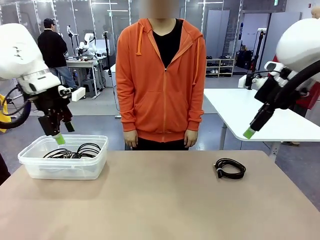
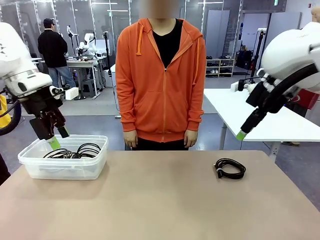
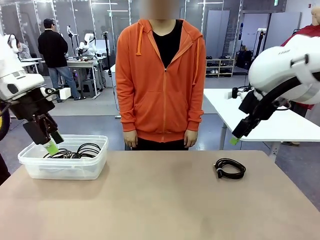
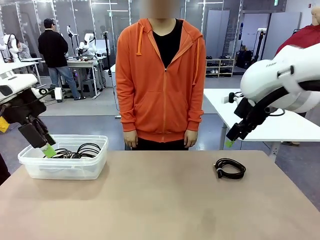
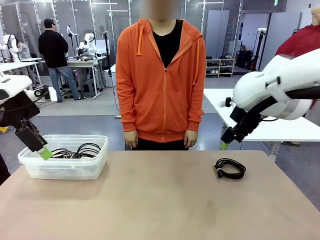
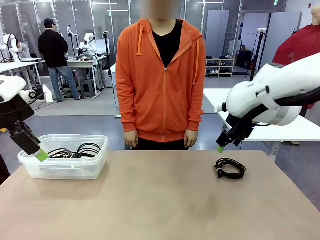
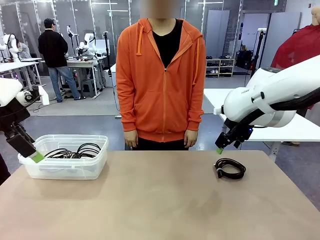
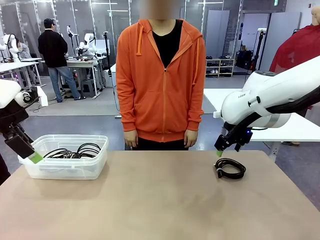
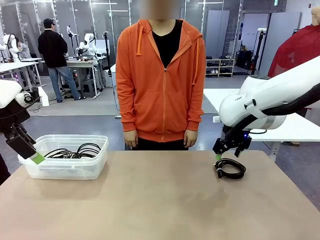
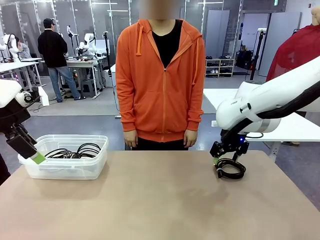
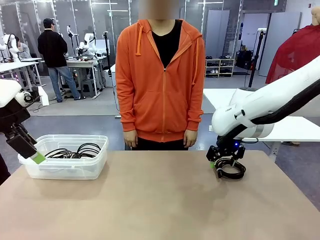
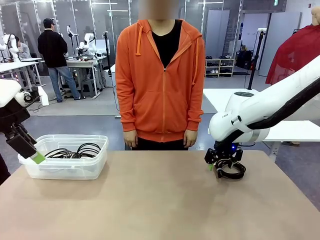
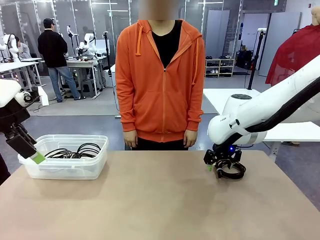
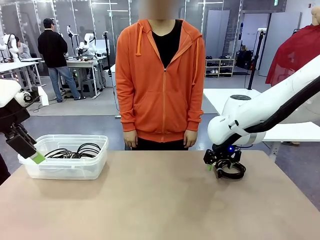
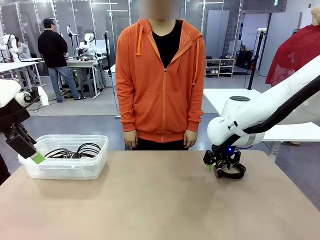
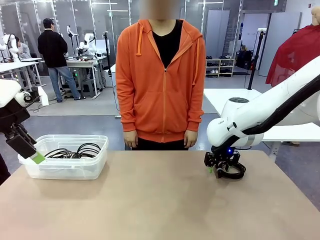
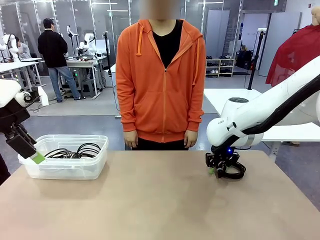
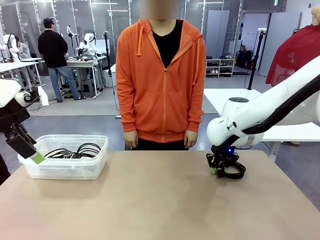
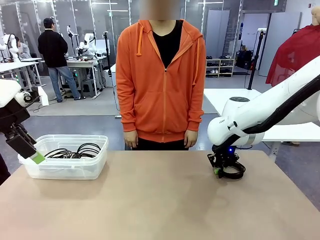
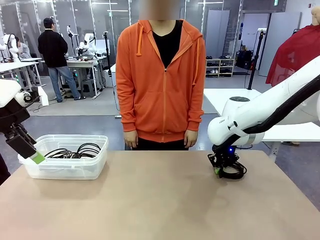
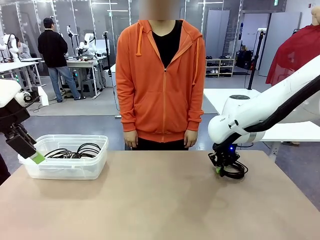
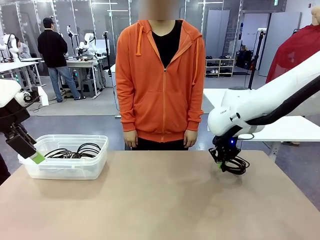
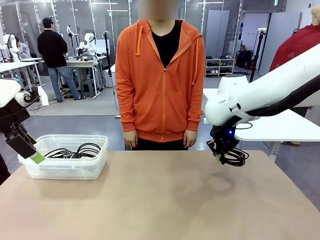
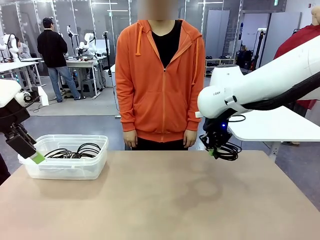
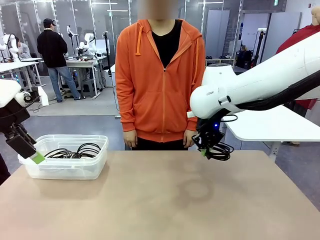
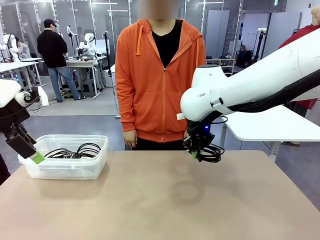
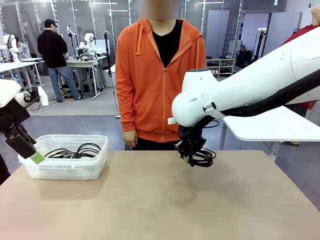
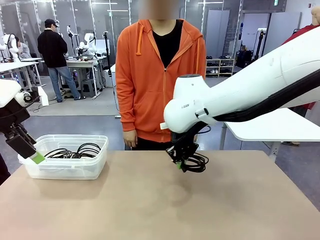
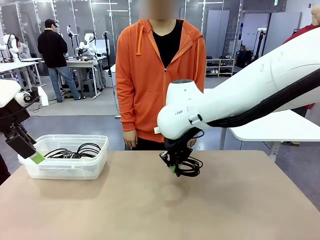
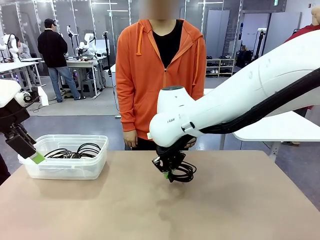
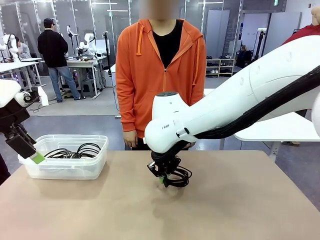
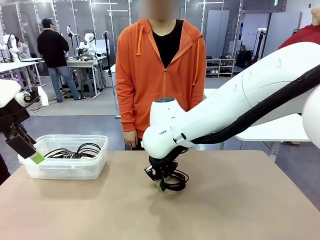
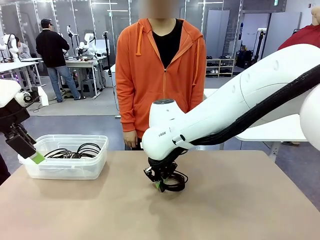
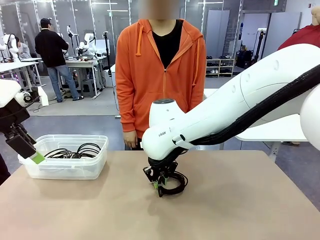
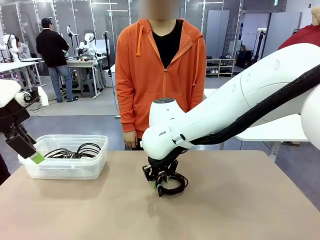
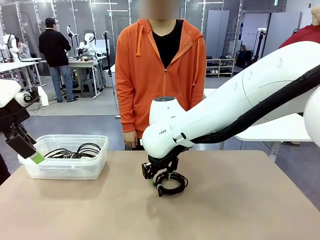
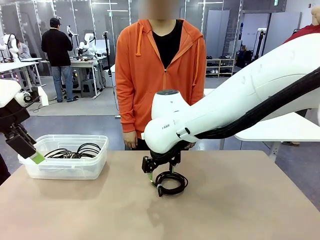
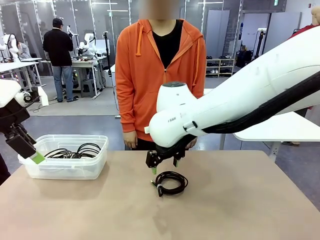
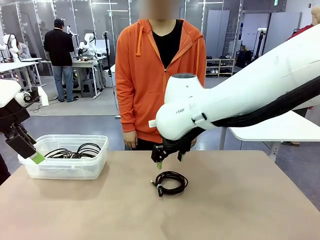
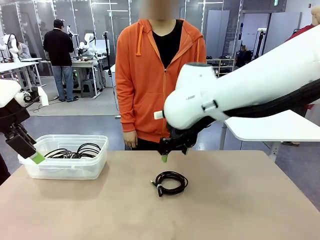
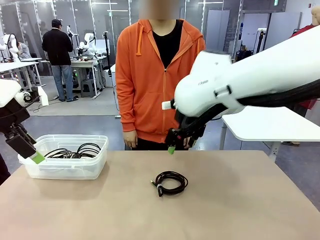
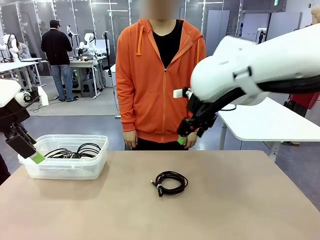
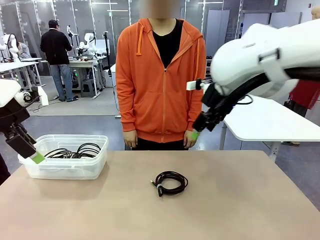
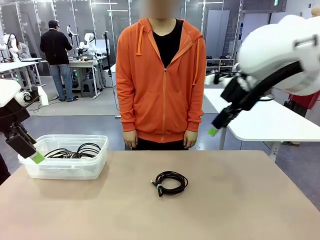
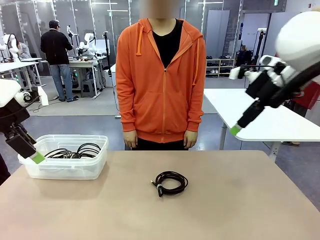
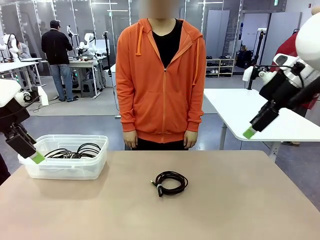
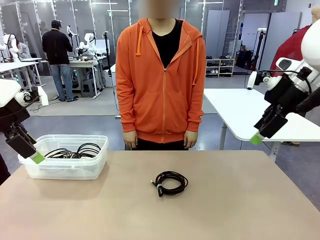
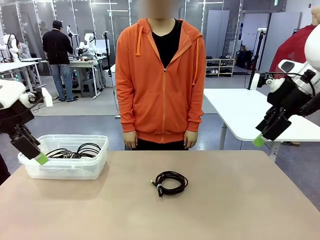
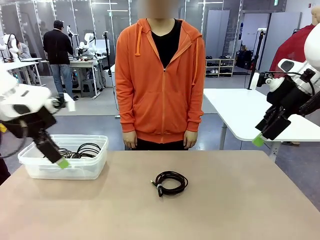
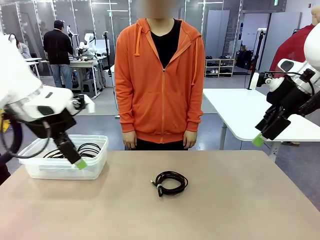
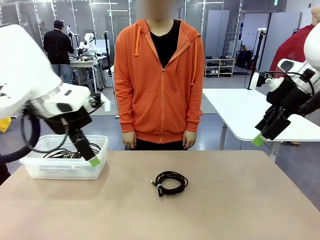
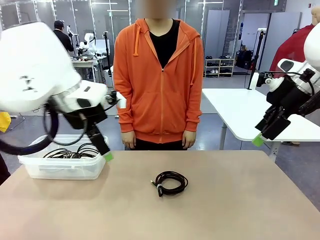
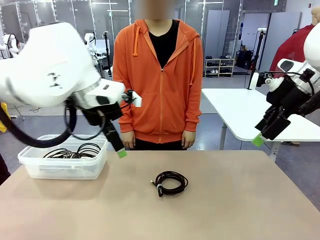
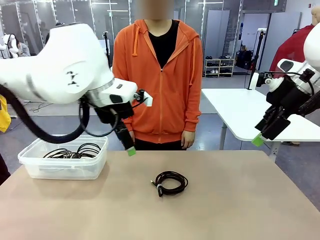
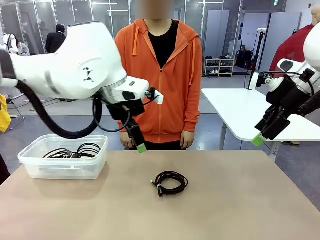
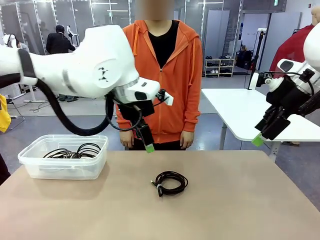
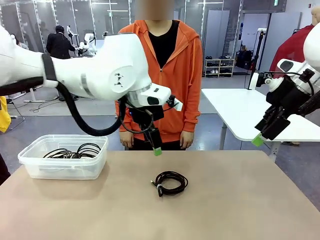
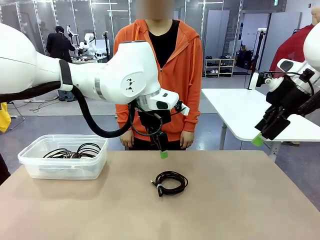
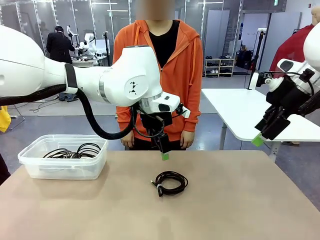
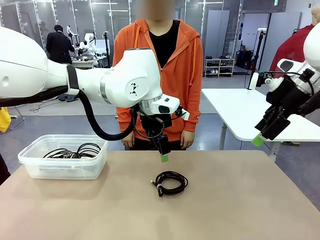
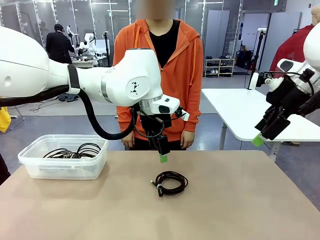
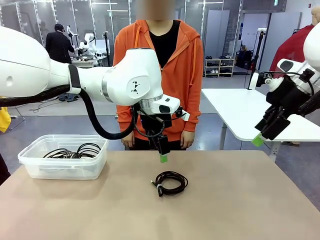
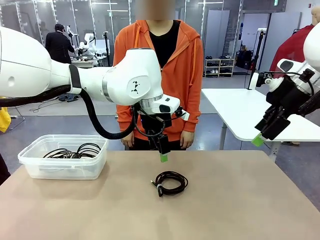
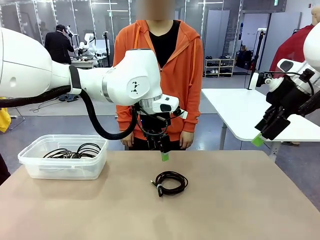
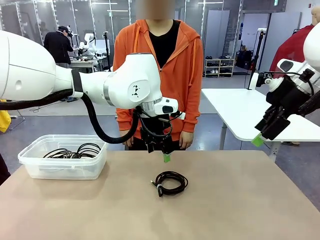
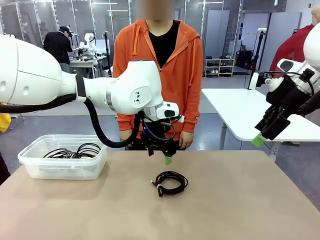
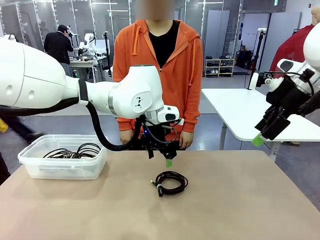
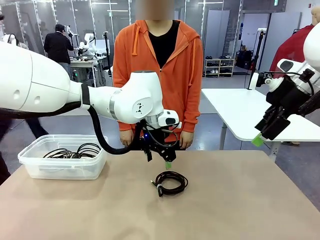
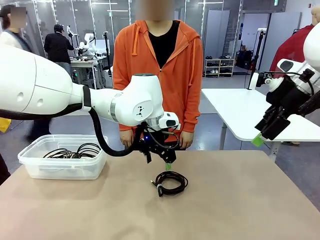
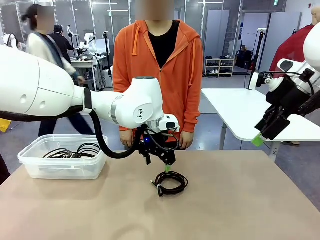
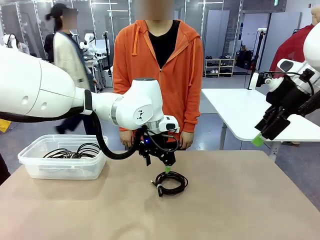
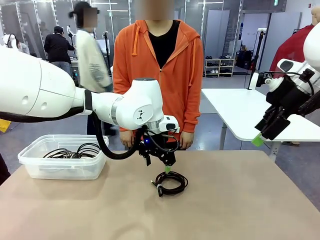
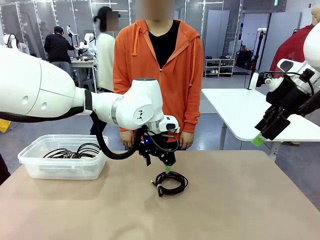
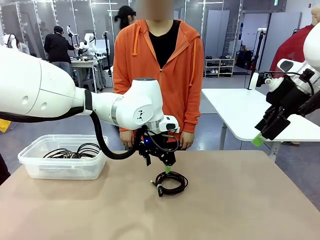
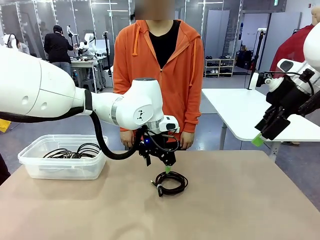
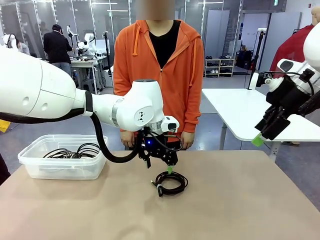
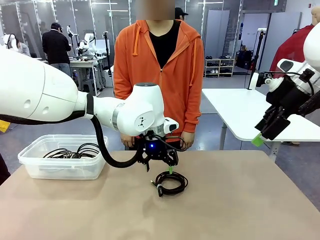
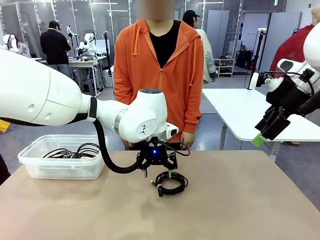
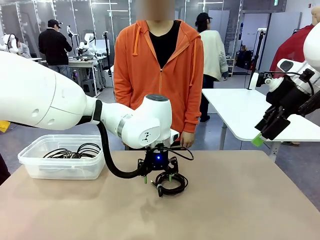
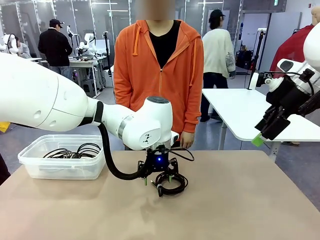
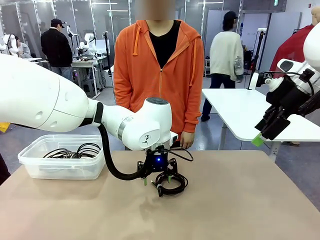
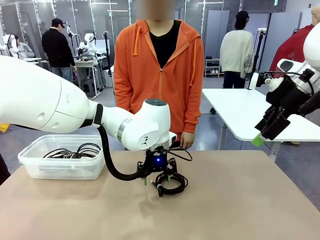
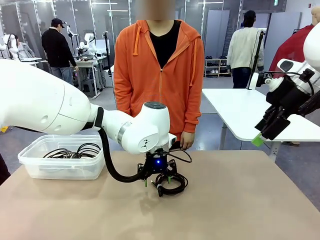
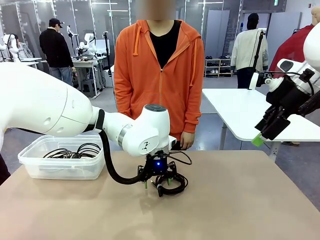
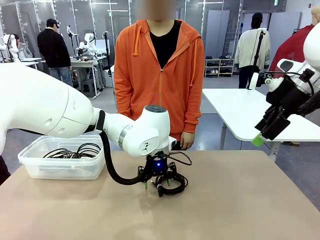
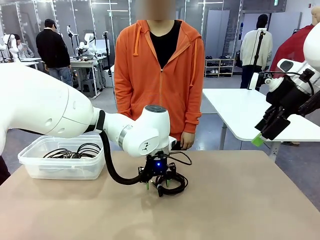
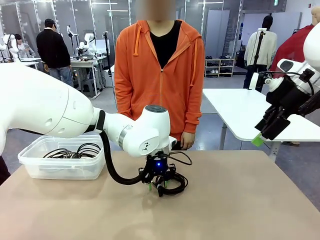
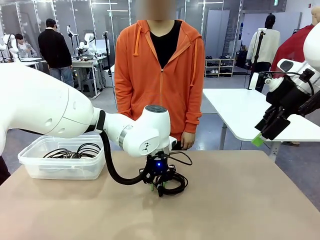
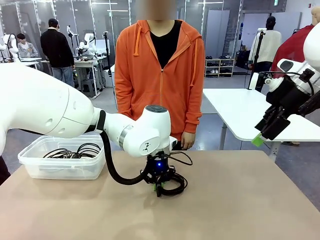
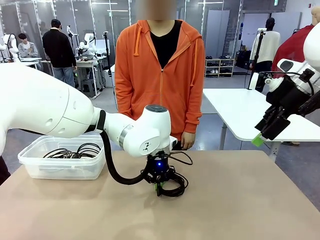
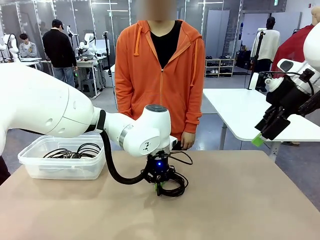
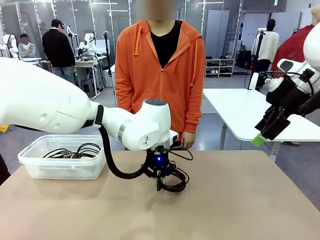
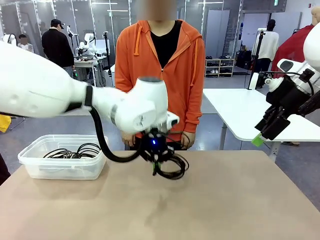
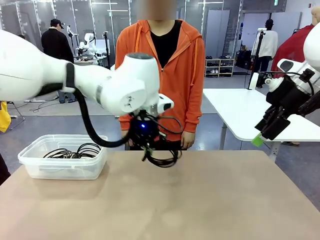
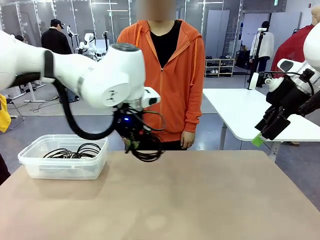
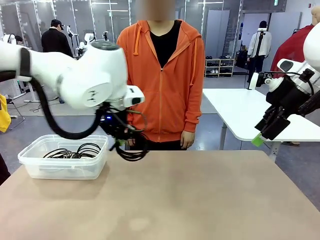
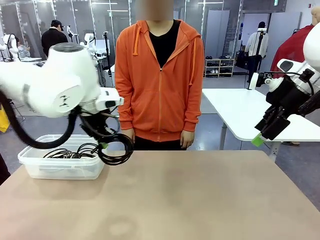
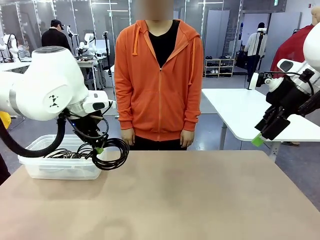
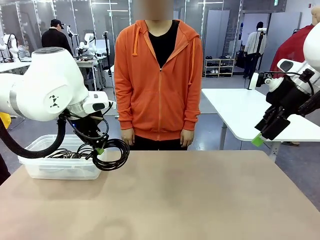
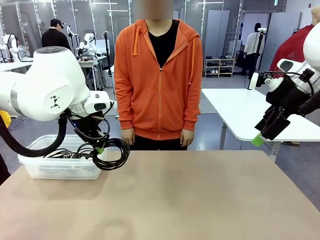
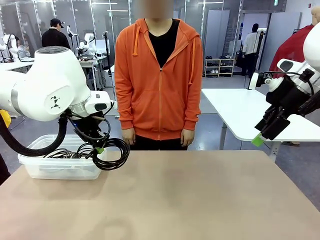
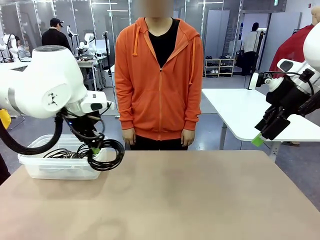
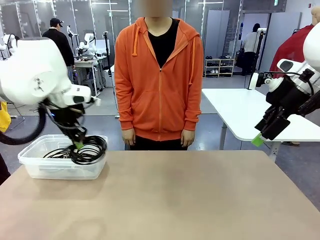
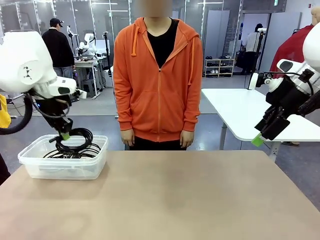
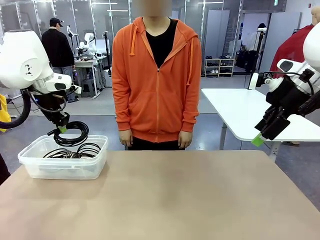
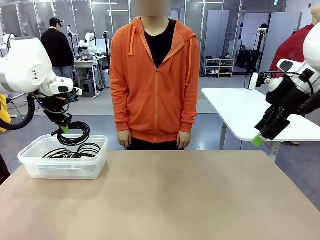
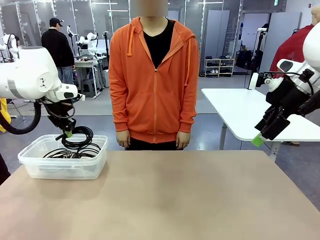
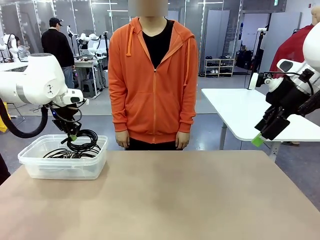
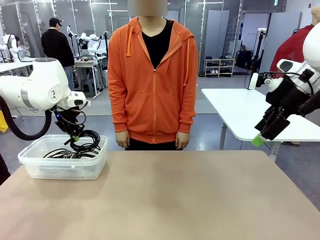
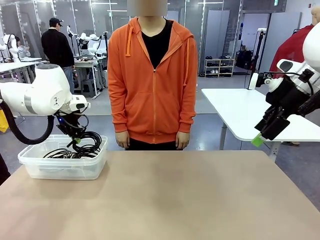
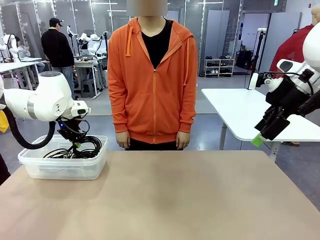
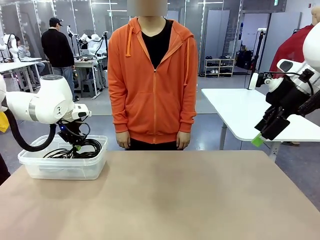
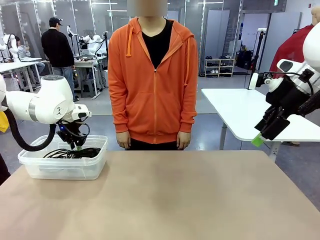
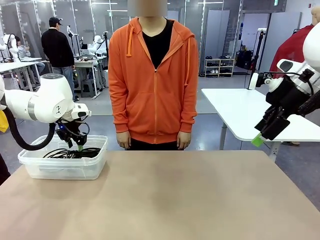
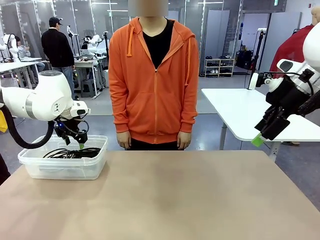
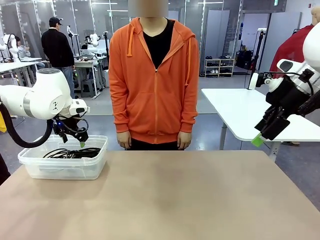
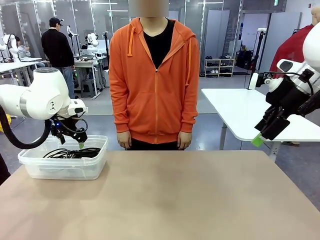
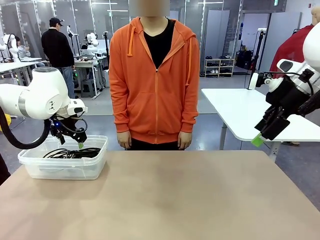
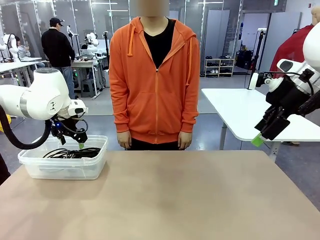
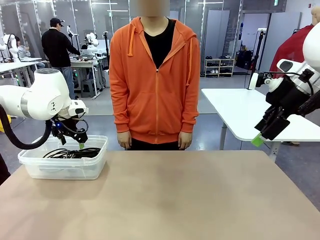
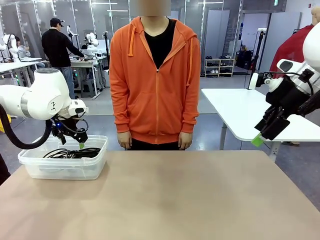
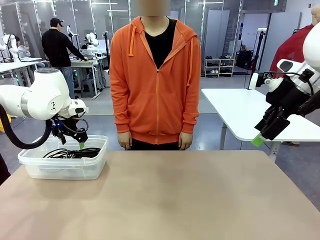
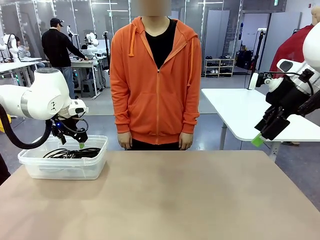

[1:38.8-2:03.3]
Task: Organize and store the cables.
Robot: Place the USB Extension Cable into the Organizing box.
